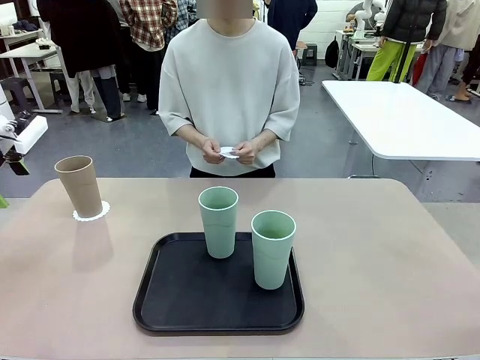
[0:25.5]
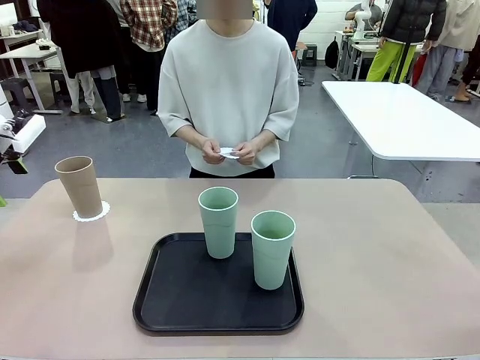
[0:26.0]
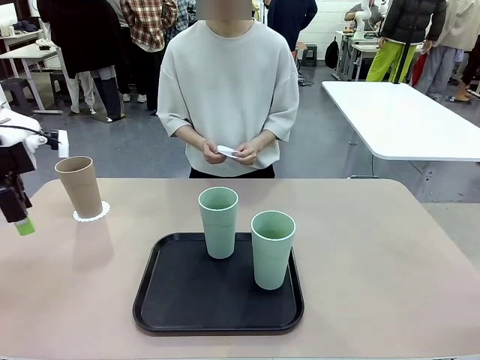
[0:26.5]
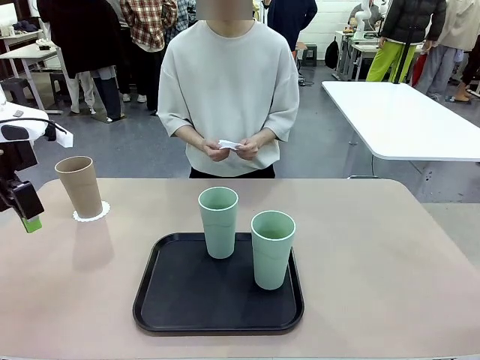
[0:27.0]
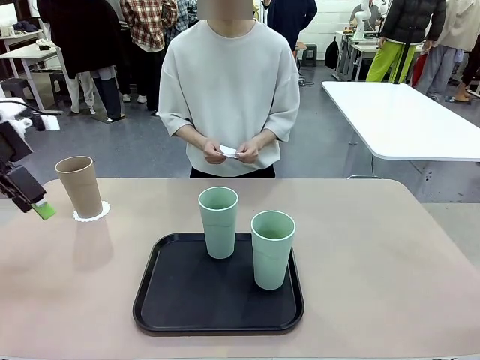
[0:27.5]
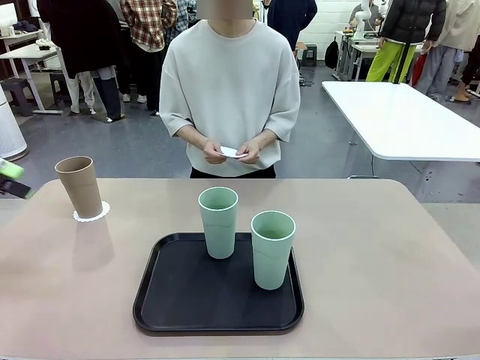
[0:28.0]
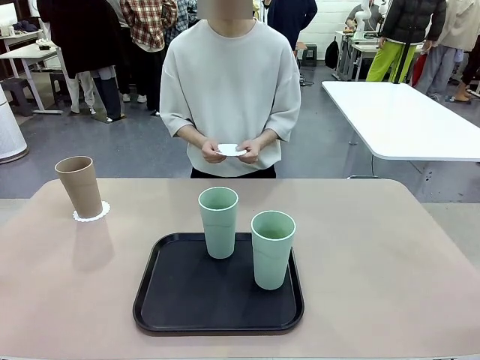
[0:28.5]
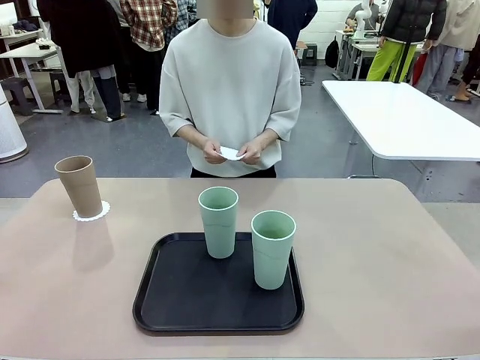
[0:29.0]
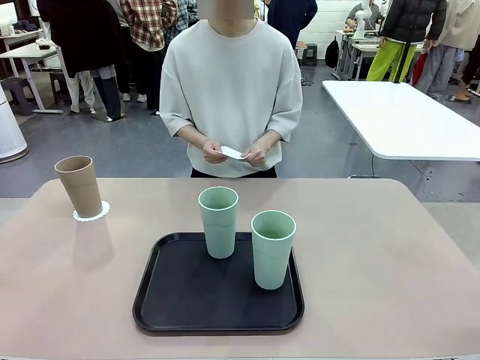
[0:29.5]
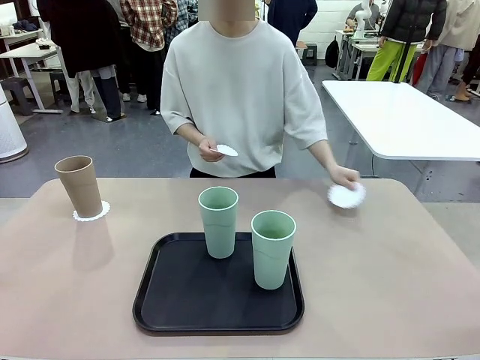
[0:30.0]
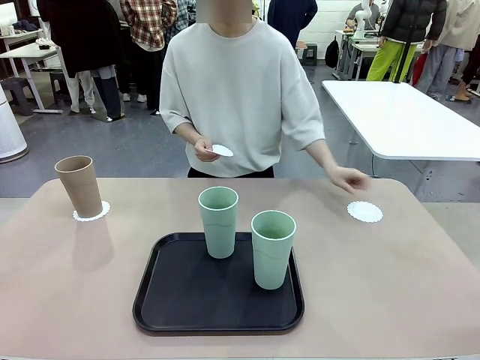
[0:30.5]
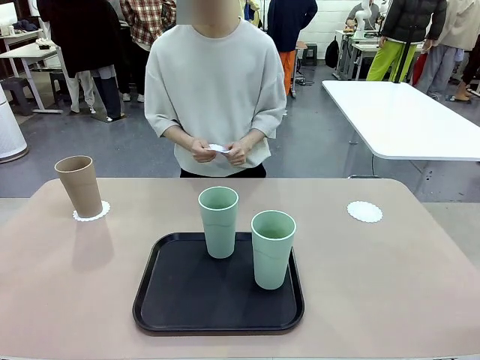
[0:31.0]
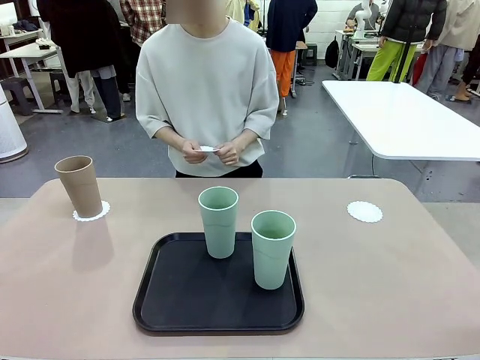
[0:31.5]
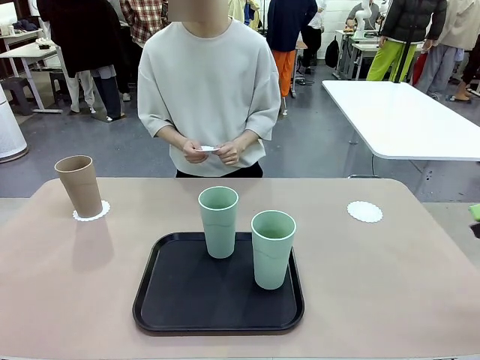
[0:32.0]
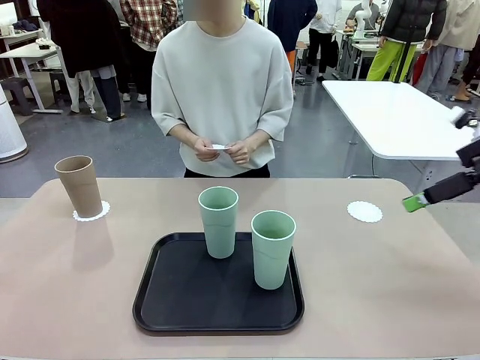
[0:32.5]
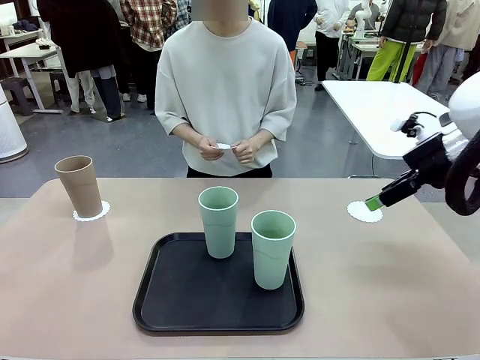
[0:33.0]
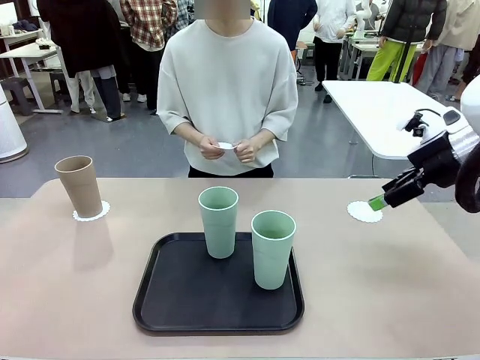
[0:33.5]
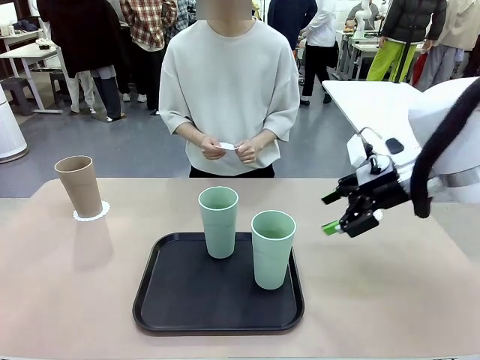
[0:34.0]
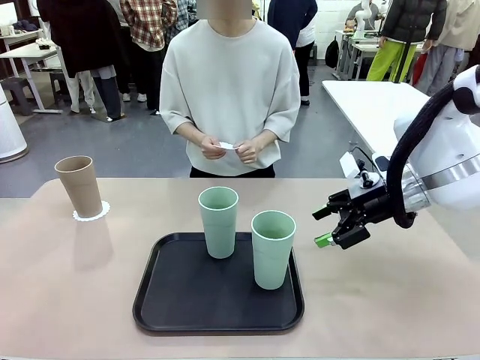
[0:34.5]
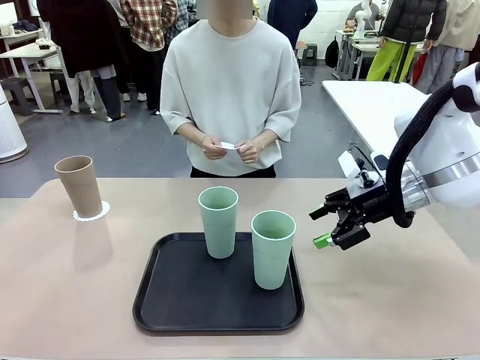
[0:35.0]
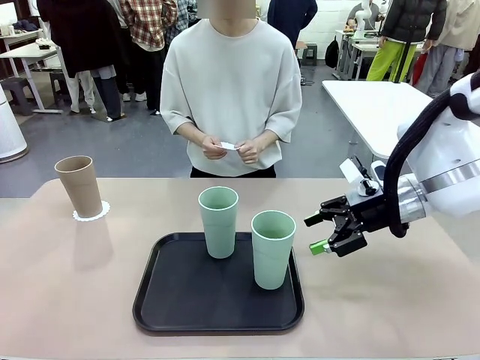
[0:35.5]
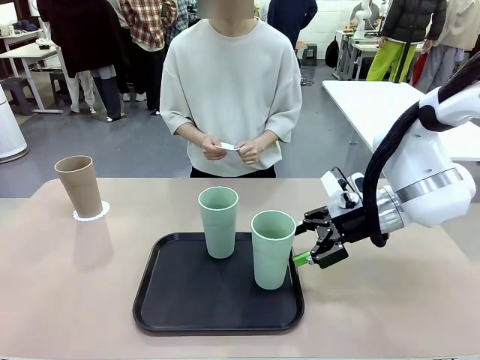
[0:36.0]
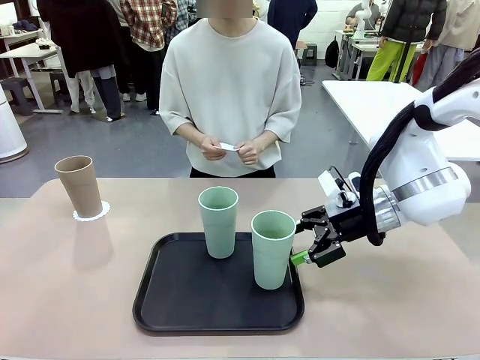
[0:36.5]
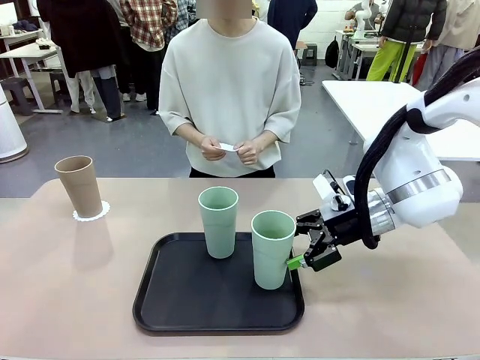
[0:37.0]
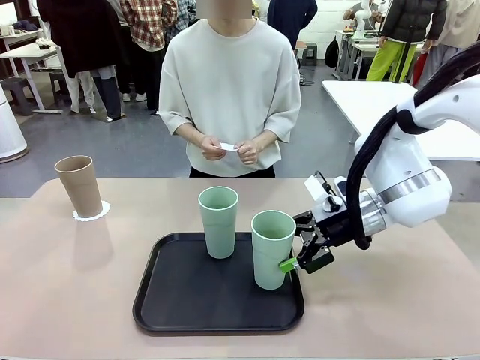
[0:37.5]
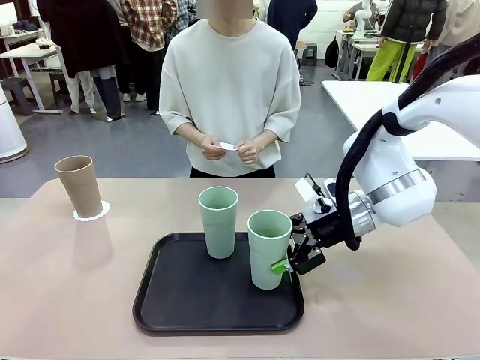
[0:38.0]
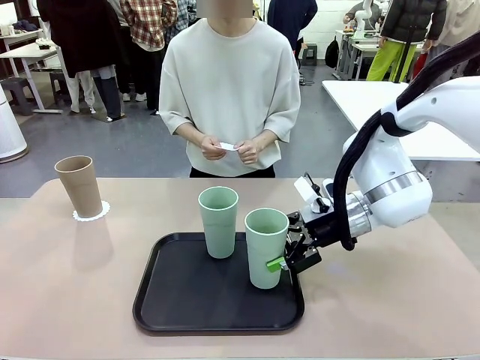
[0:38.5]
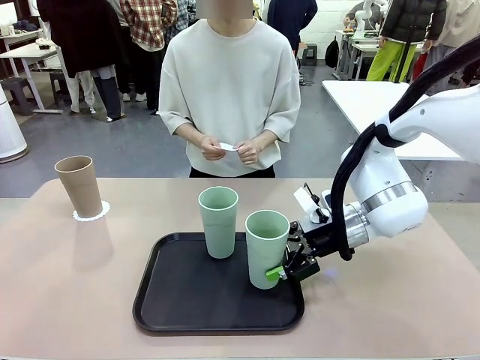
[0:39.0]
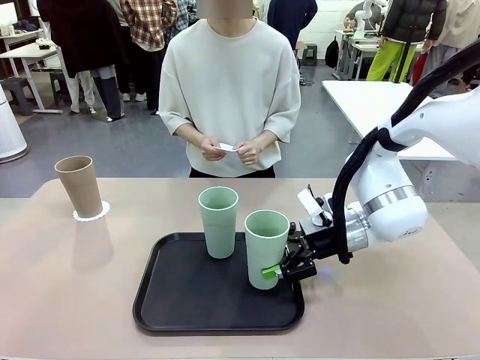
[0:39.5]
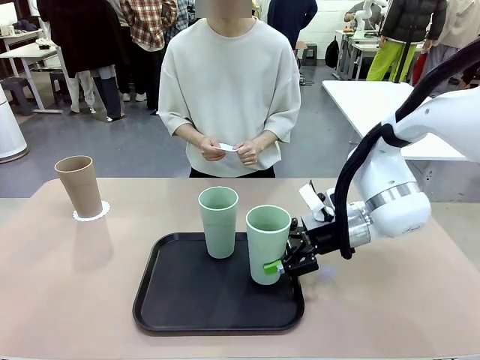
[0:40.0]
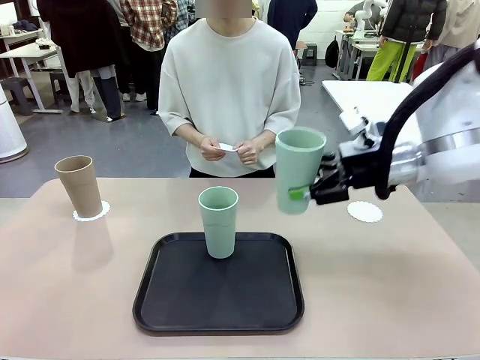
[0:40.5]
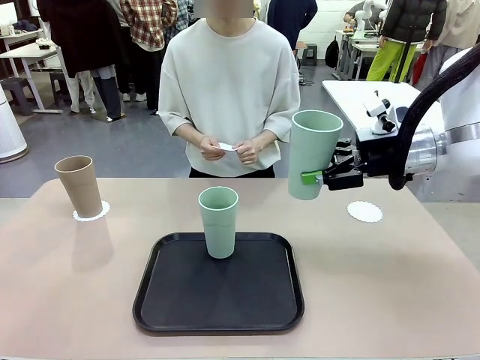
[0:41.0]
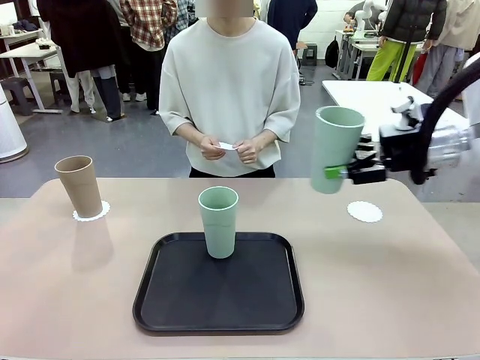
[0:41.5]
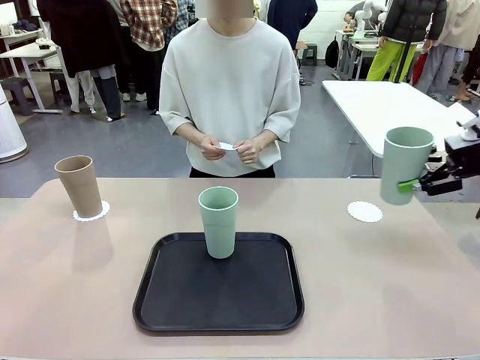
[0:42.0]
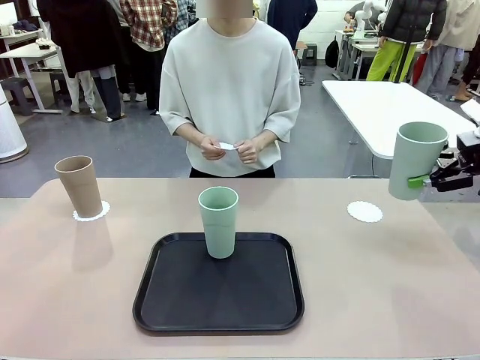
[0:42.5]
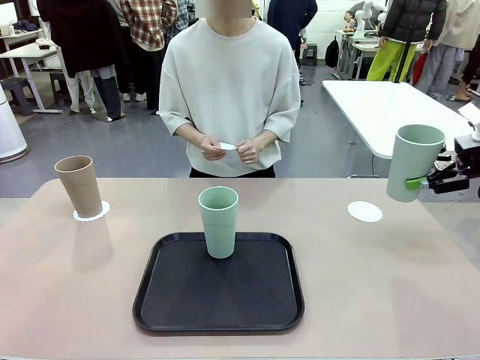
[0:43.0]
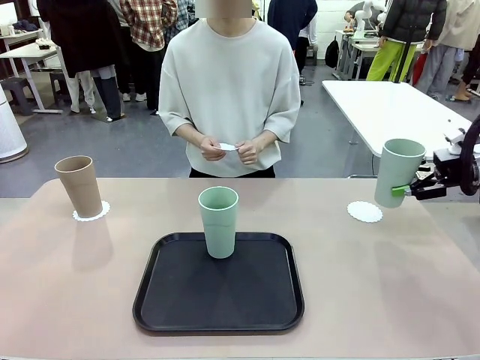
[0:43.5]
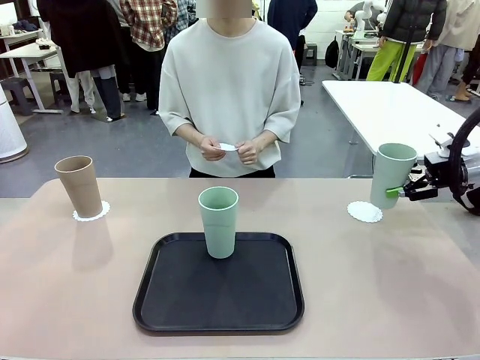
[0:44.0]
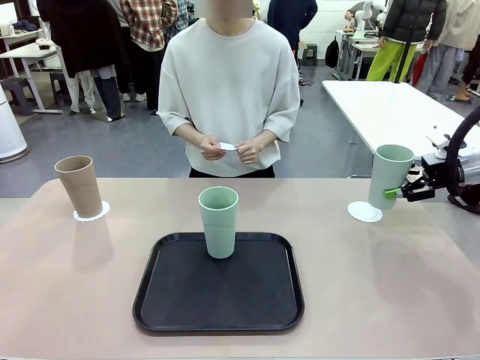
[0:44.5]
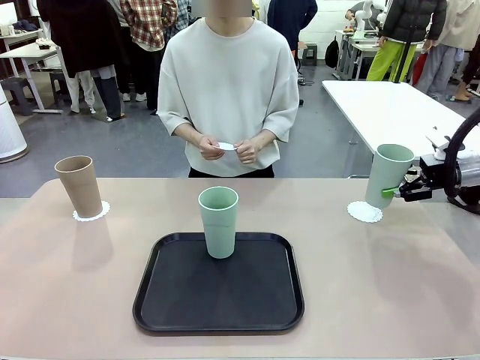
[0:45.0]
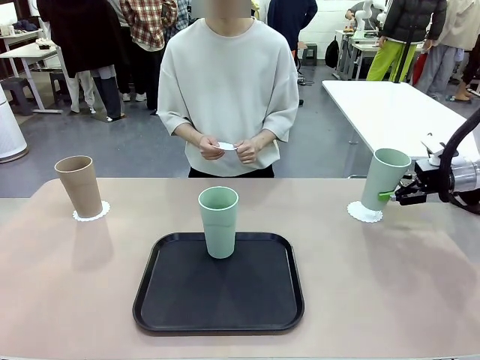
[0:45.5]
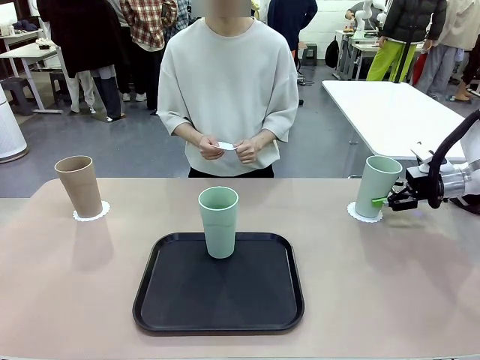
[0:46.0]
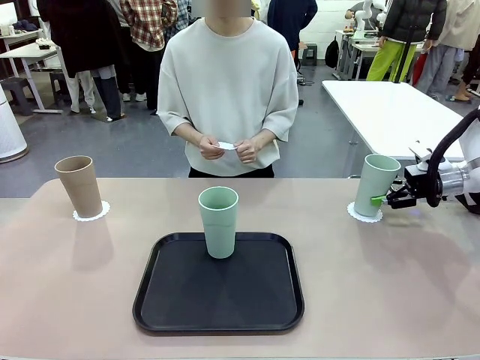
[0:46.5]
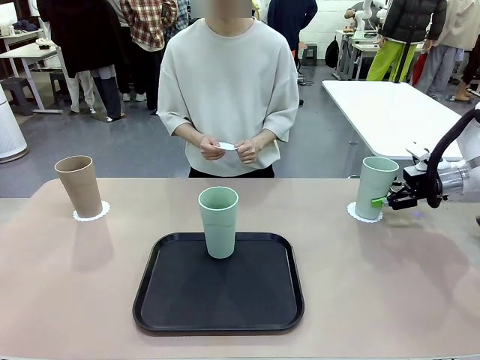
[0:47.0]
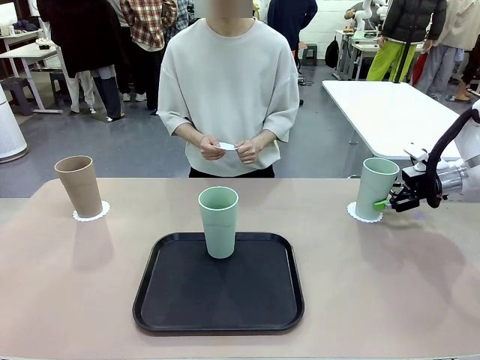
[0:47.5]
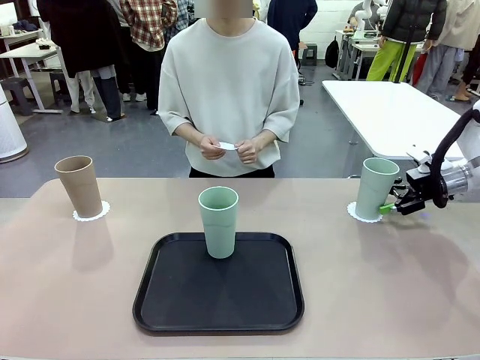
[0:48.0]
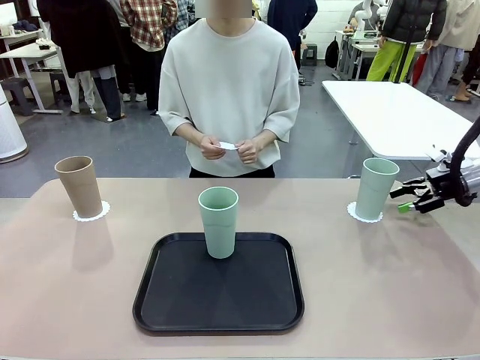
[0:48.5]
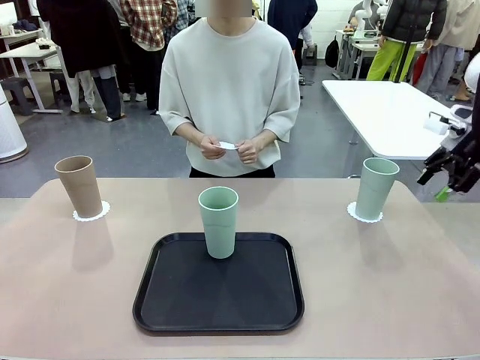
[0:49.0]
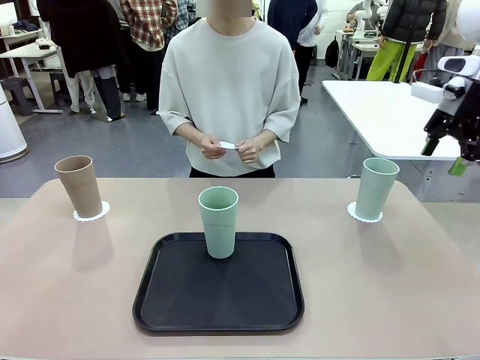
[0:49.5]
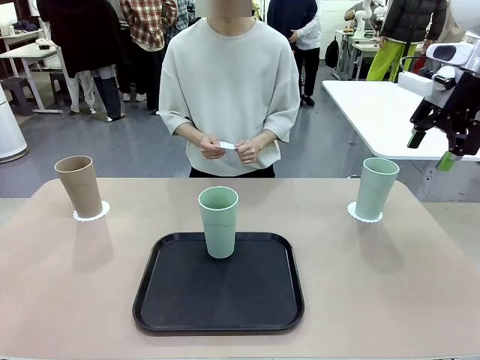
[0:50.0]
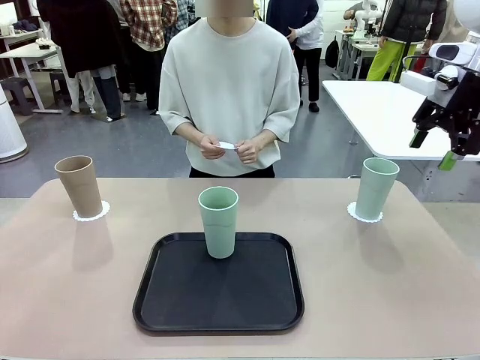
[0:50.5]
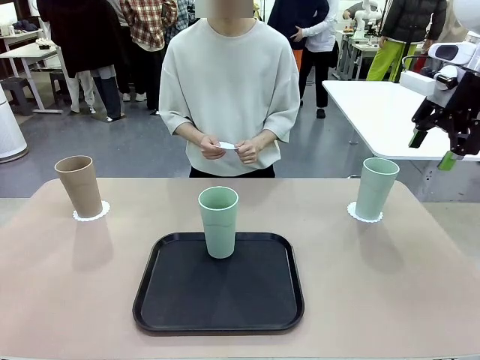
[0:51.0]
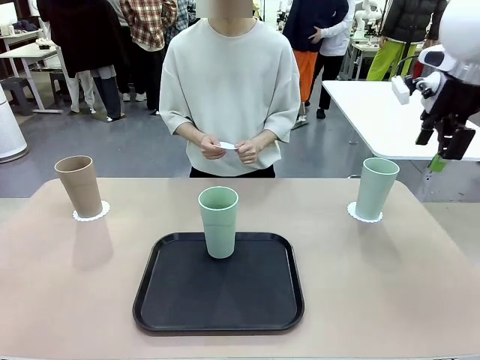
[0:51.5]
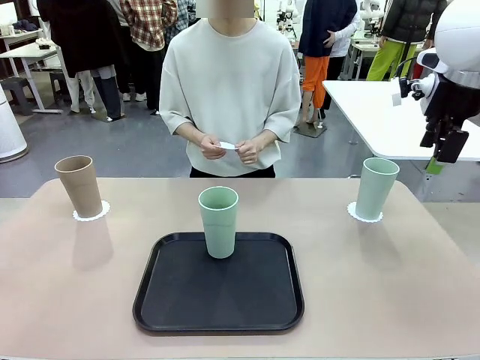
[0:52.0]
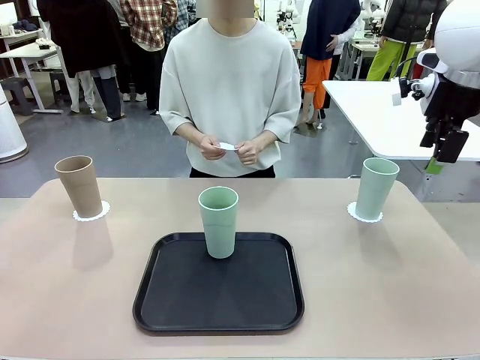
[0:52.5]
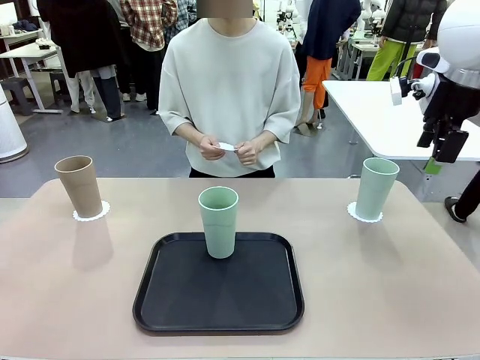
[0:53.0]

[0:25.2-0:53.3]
Task: Place coasters on the table and set cups on them.
Robot: Take one Reusable plastic cup from the Flat Tray and place it on a coaster set by the human.
